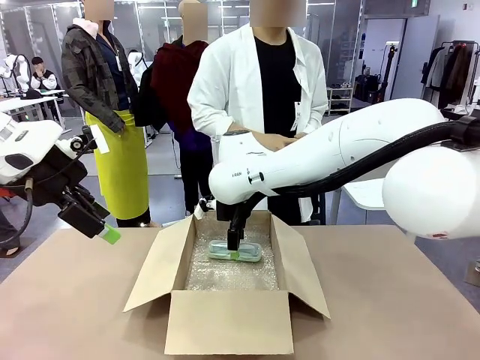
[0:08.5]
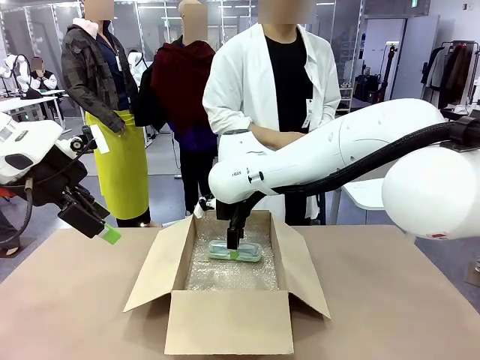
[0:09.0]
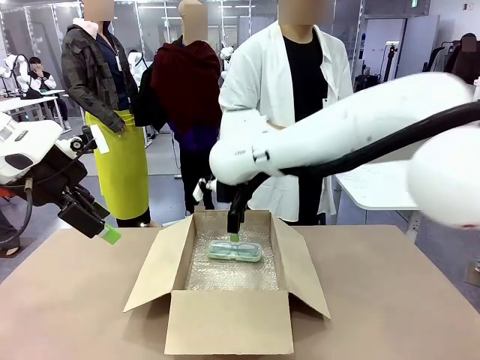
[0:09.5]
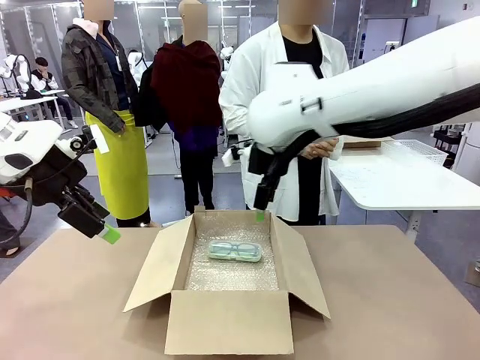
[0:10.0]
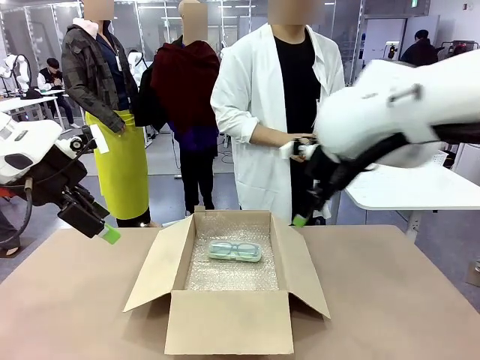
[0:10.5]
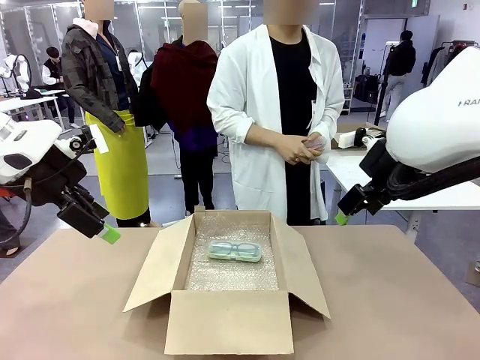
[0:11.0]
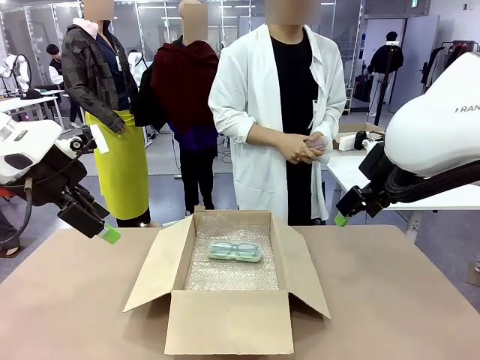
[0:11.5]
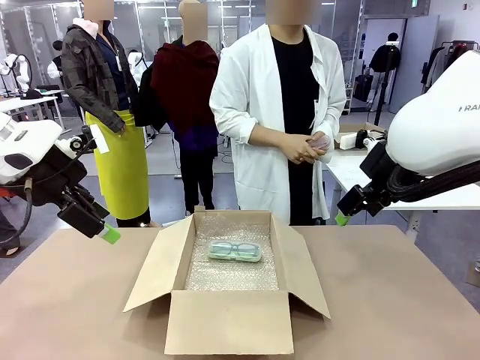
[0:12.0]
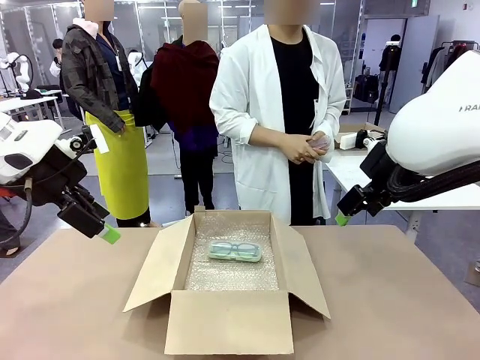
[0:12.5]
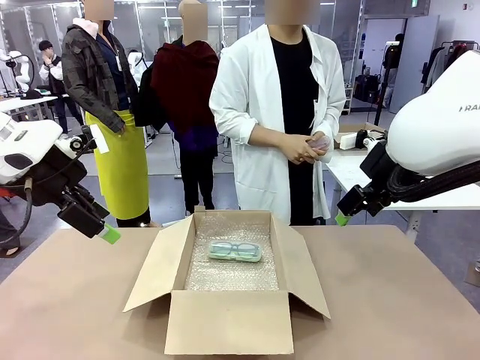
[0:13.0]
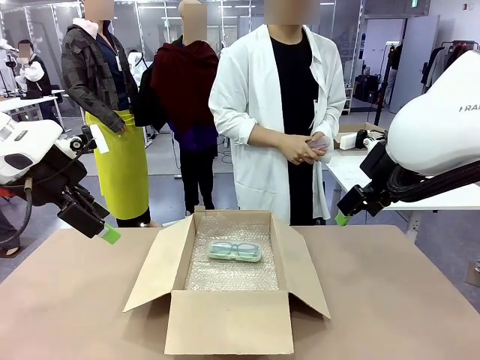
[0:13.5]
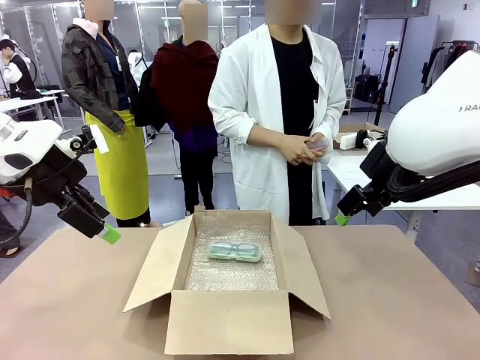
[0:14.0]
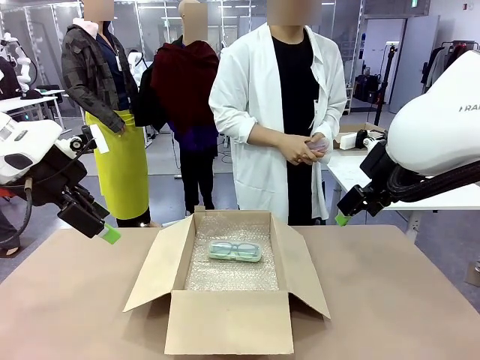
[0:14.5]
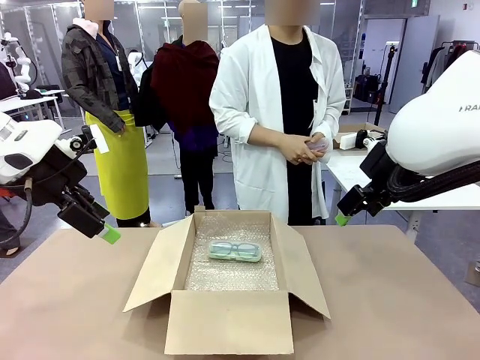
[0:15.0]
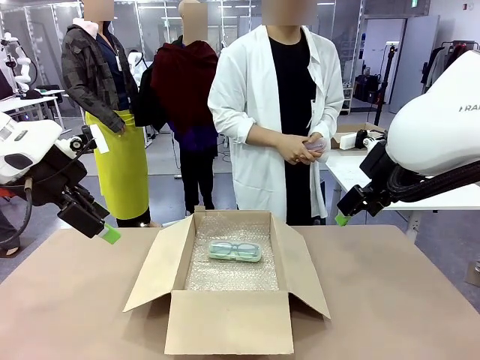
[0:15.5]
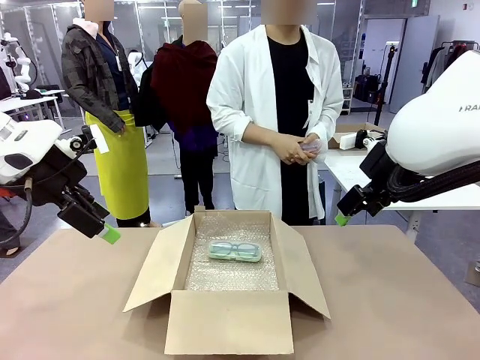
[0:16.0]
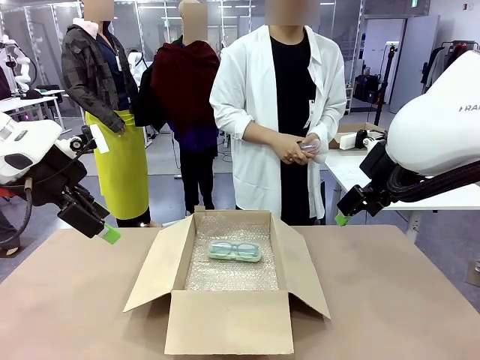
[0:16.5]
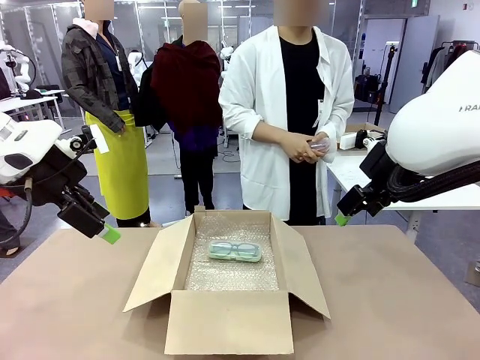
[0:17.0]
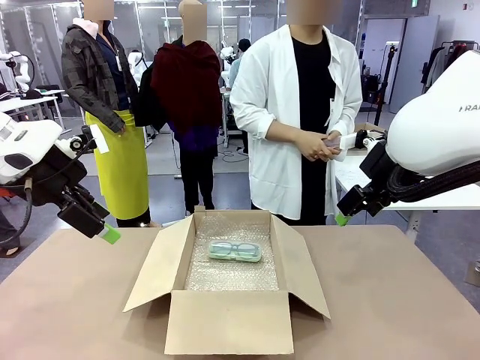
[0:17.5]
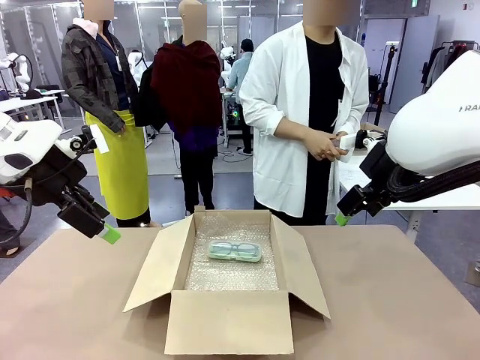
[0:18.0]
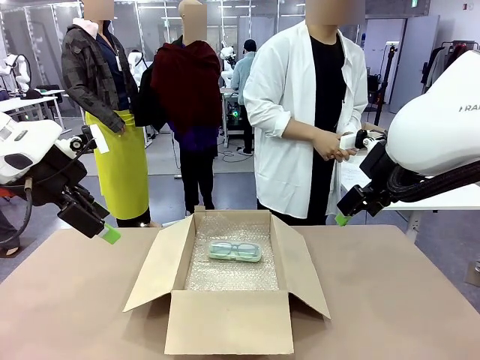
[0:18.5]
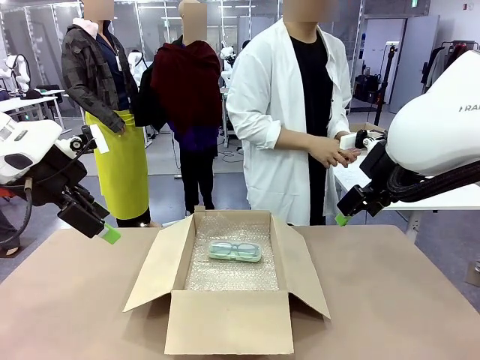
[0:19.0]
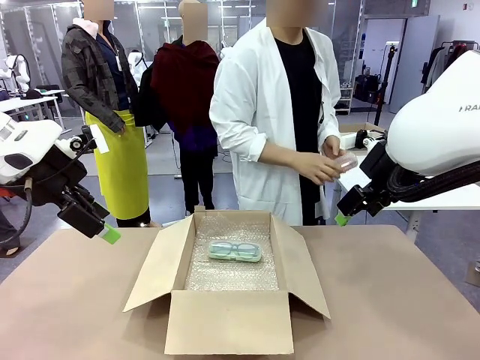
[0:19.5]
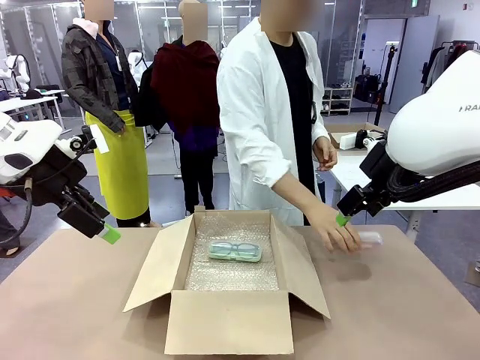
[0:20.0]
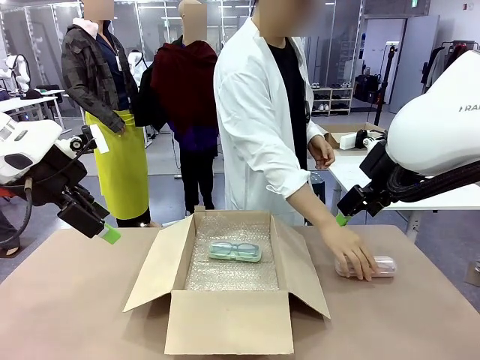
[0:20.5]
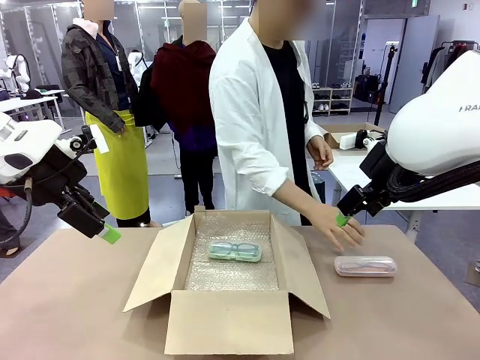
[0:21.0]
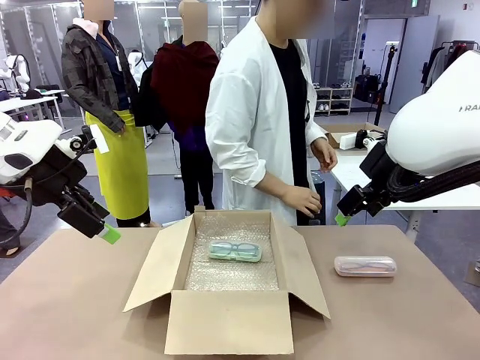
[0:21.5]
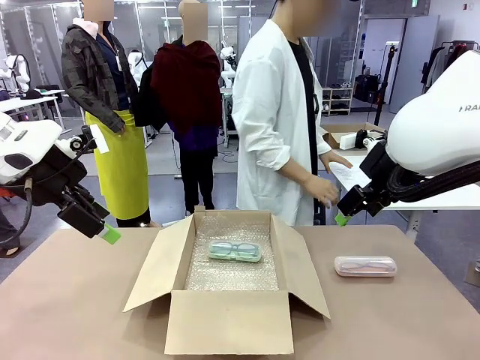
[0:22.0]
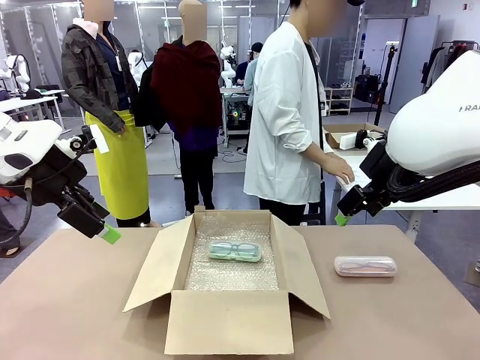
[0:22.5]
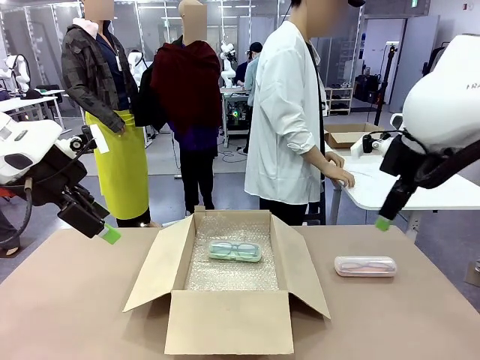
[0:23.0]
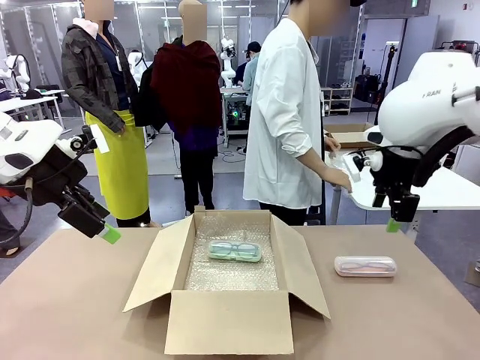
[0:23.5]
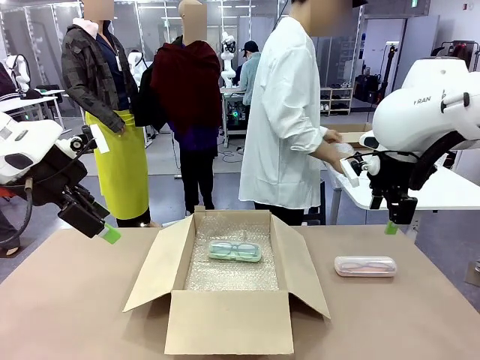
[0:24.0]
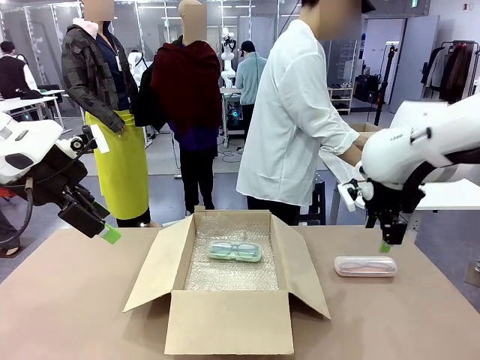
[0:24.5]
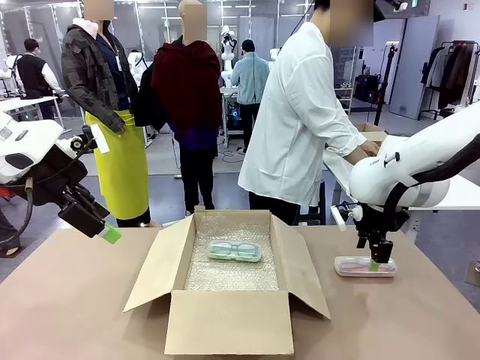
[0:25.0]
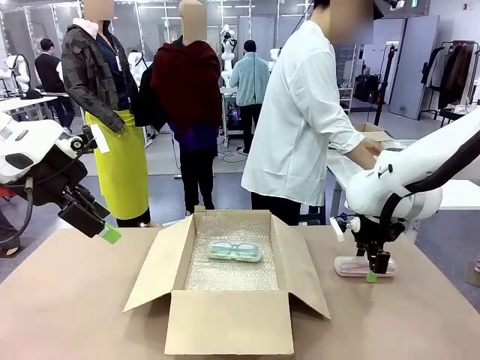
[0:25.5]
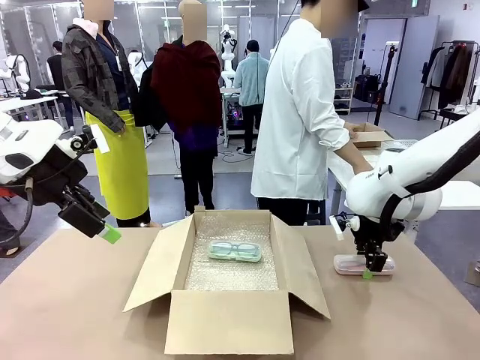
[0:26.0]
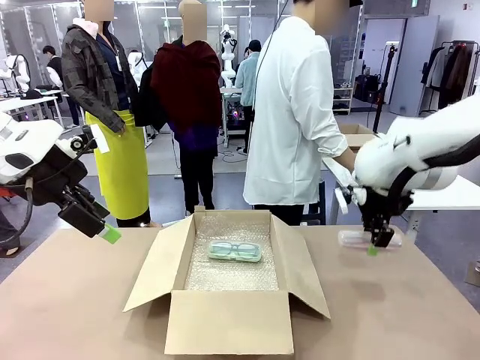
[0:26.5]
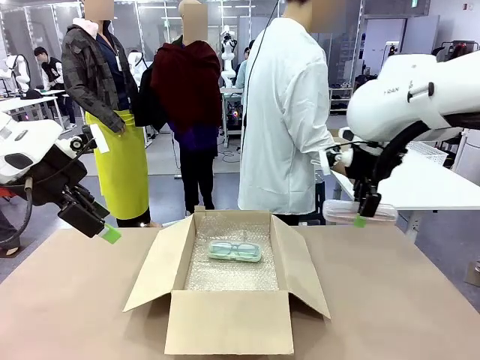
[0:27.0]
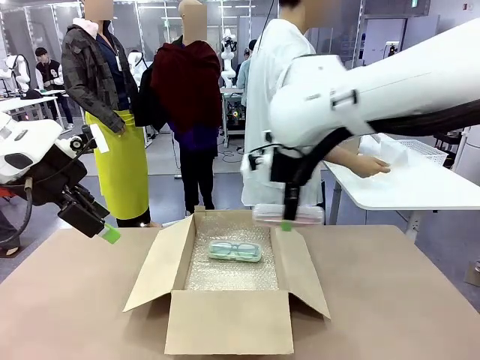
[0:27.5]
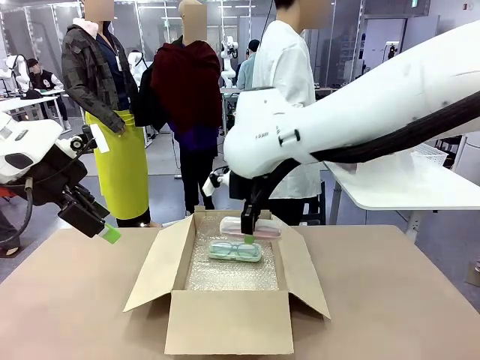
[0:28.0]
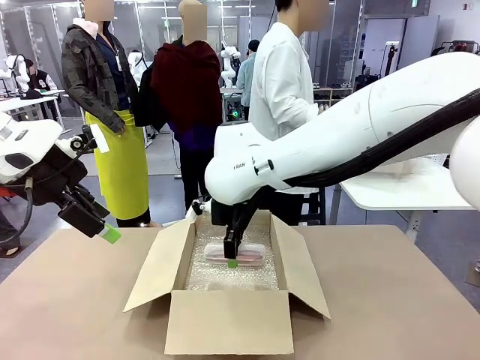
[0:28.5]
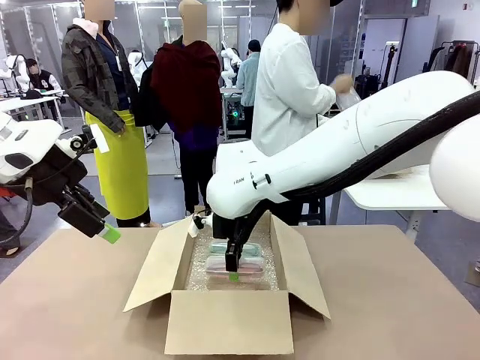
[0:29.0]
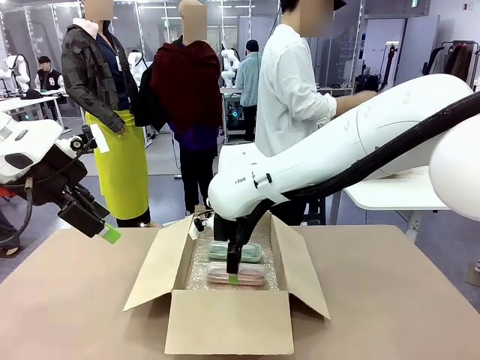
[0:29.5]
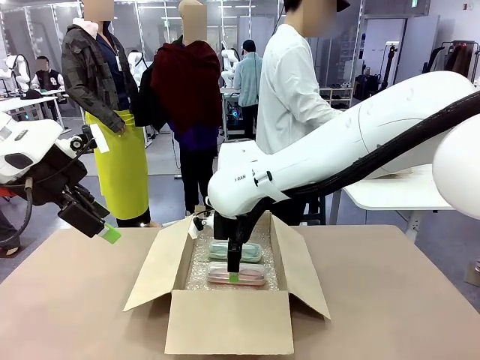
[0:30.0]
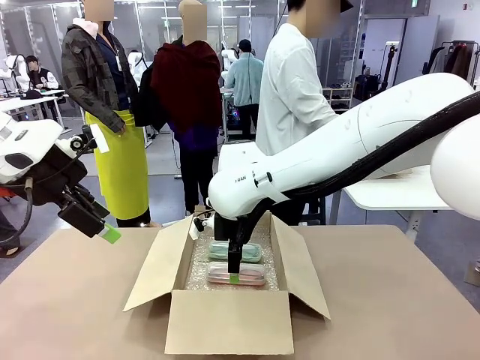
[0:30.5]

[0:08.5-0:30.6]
Task: Pack the glasses set securely to prepare it for shipping.
Robot: Put the Glasses case from the right side of the table into the Package Box.
Person: Position the Glasses case on the left side of the robot's table.
